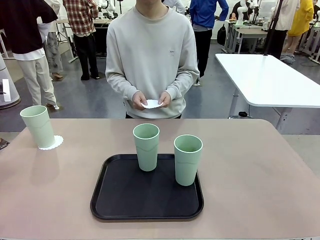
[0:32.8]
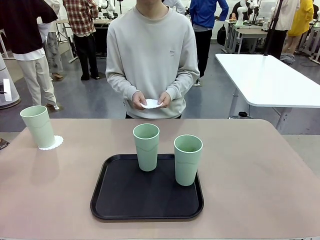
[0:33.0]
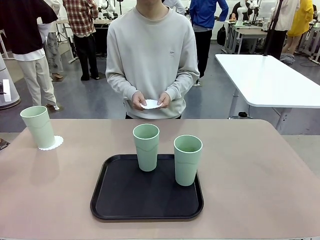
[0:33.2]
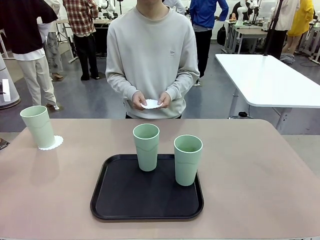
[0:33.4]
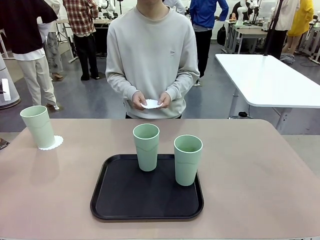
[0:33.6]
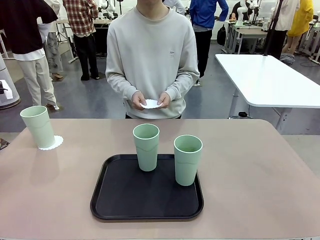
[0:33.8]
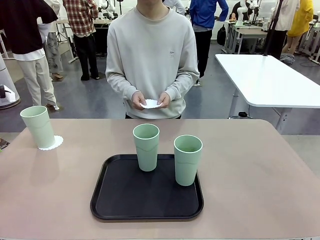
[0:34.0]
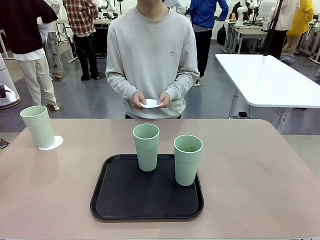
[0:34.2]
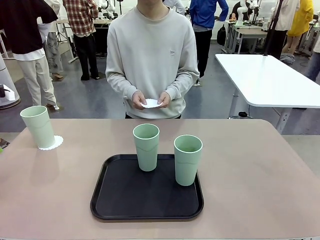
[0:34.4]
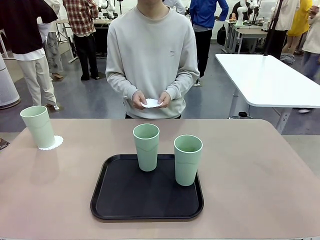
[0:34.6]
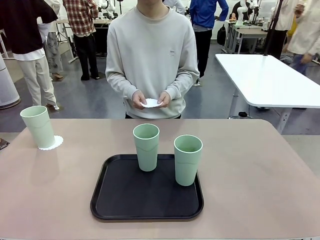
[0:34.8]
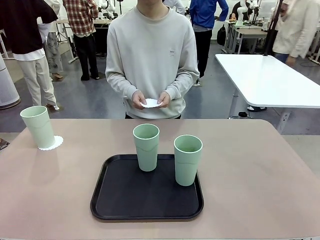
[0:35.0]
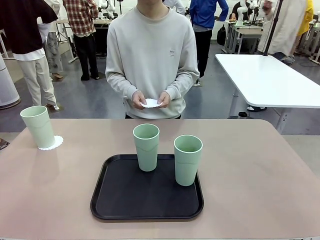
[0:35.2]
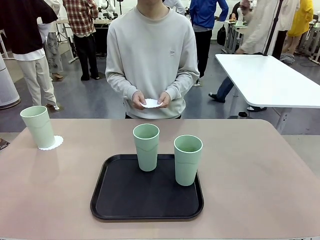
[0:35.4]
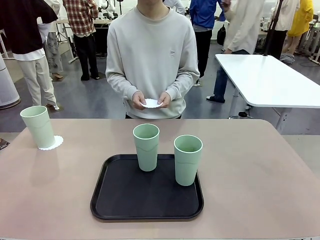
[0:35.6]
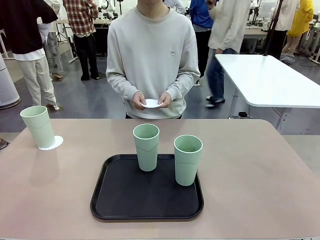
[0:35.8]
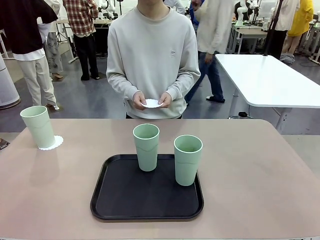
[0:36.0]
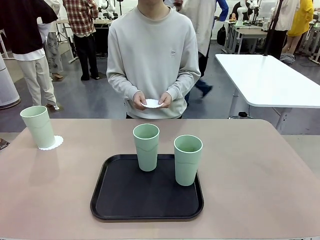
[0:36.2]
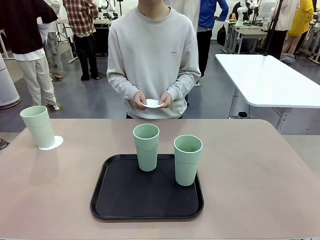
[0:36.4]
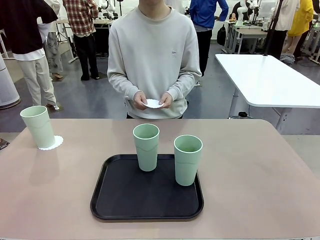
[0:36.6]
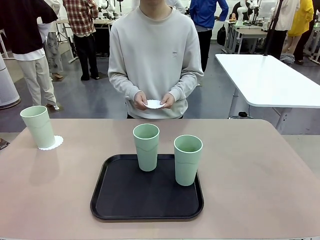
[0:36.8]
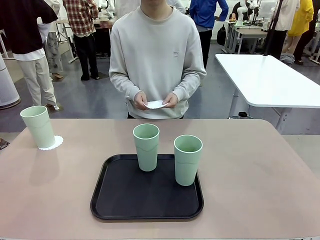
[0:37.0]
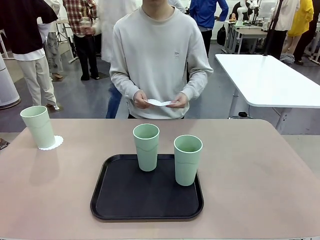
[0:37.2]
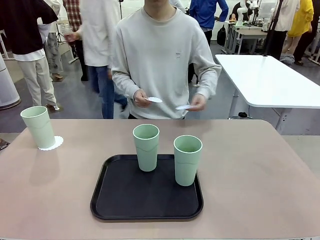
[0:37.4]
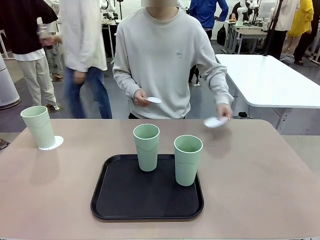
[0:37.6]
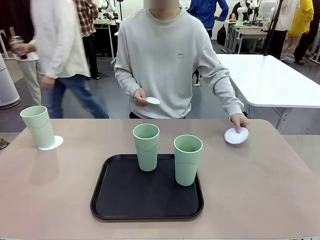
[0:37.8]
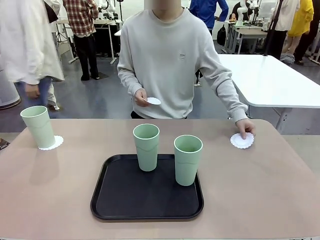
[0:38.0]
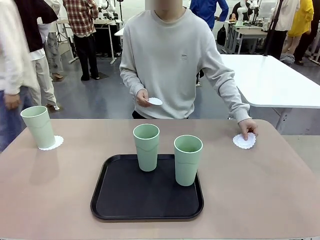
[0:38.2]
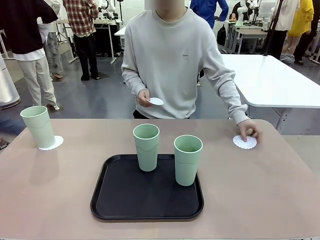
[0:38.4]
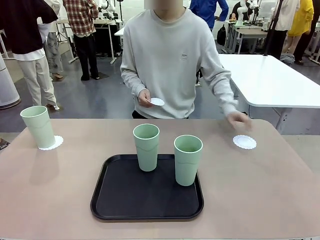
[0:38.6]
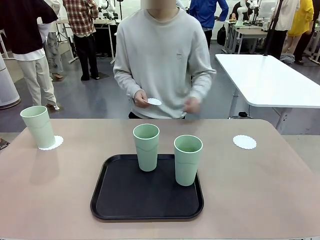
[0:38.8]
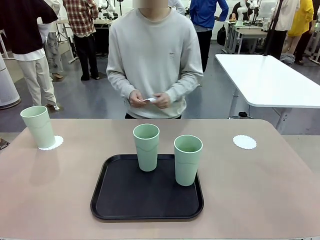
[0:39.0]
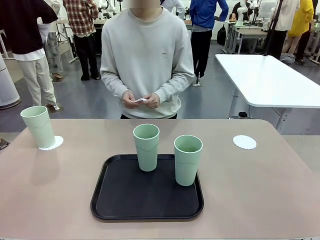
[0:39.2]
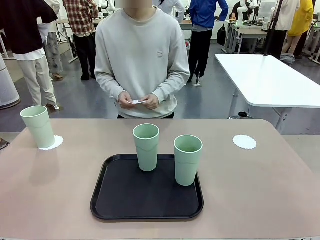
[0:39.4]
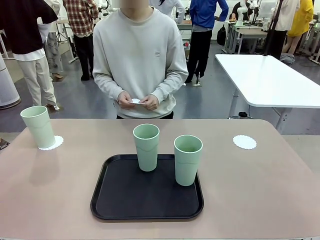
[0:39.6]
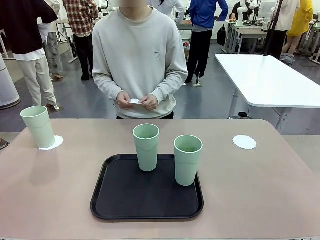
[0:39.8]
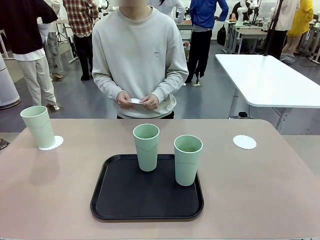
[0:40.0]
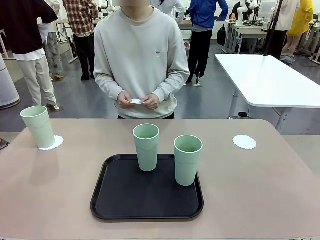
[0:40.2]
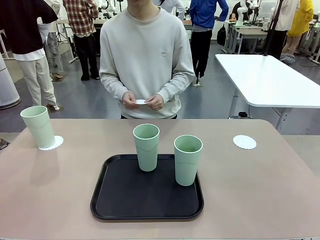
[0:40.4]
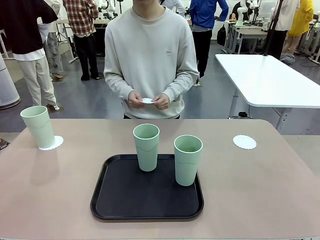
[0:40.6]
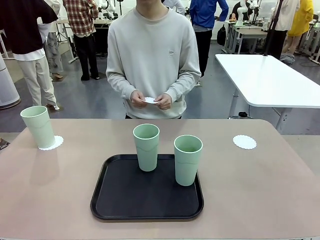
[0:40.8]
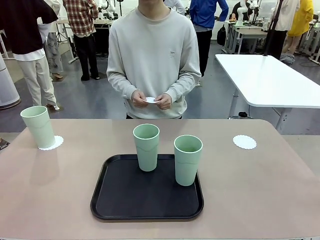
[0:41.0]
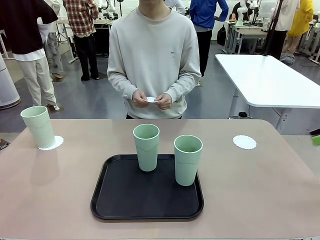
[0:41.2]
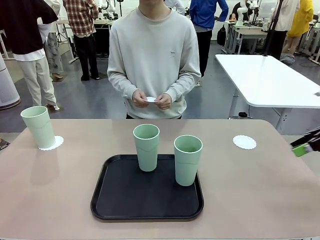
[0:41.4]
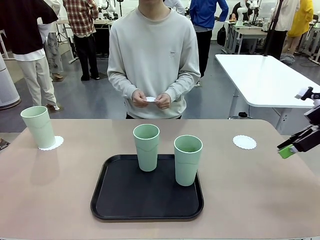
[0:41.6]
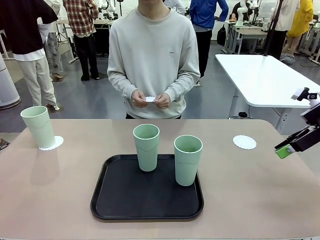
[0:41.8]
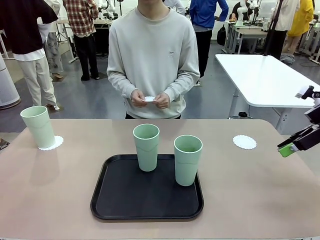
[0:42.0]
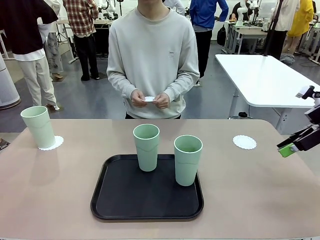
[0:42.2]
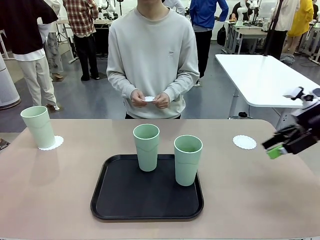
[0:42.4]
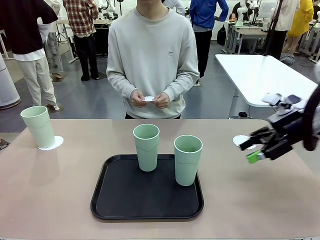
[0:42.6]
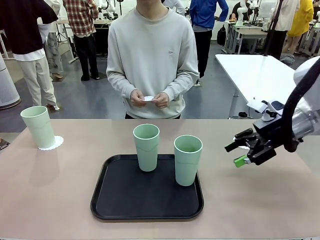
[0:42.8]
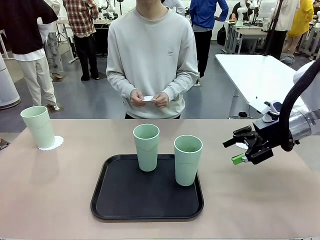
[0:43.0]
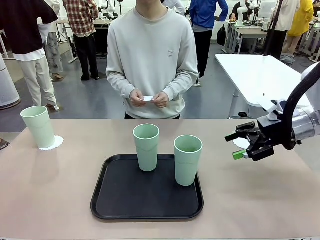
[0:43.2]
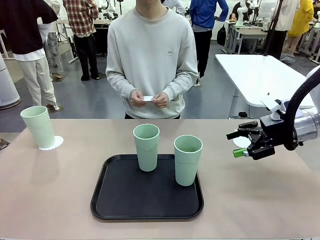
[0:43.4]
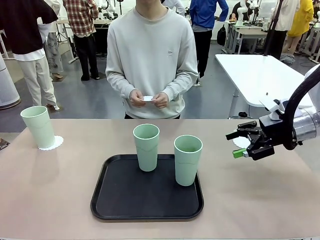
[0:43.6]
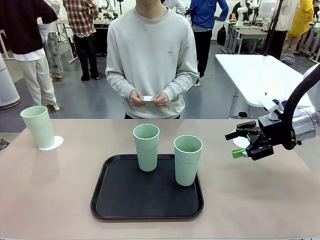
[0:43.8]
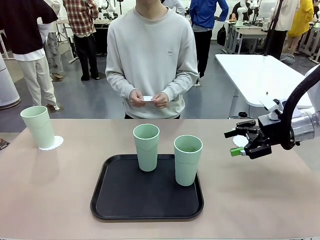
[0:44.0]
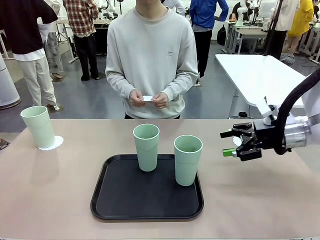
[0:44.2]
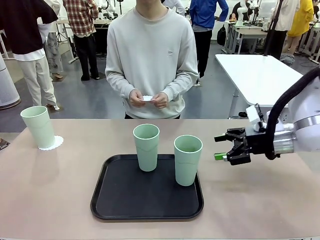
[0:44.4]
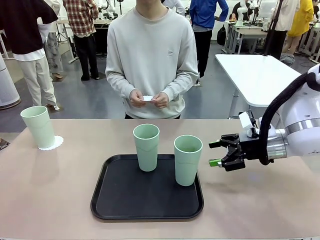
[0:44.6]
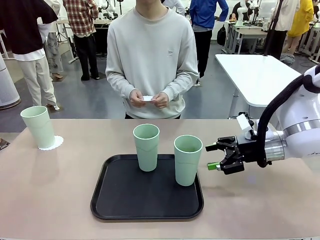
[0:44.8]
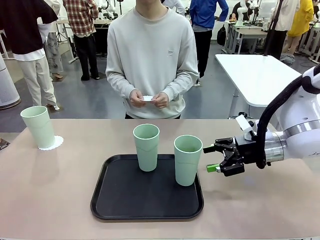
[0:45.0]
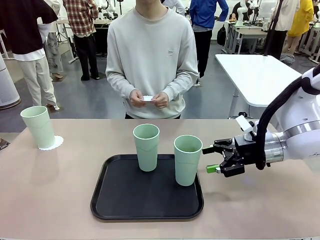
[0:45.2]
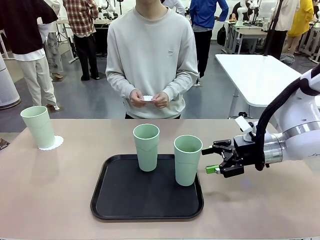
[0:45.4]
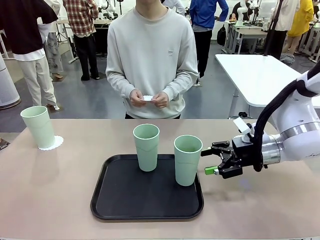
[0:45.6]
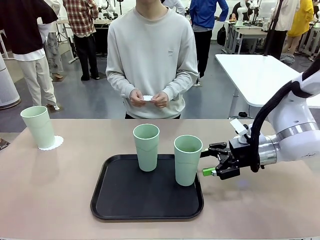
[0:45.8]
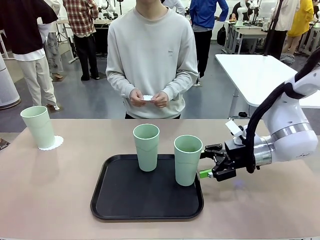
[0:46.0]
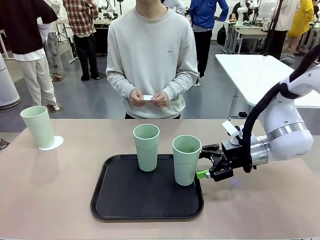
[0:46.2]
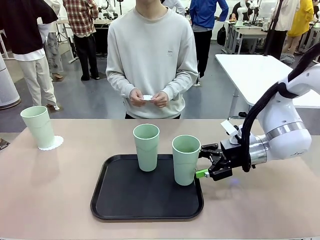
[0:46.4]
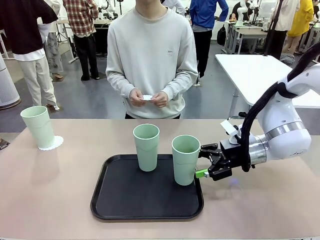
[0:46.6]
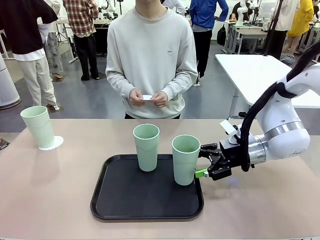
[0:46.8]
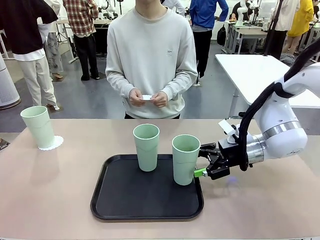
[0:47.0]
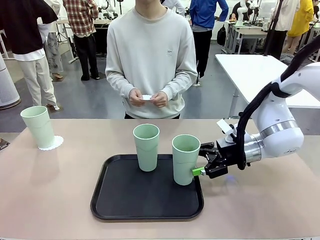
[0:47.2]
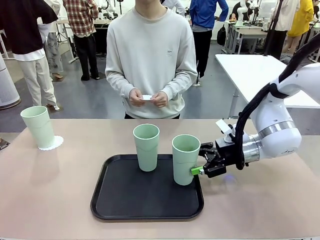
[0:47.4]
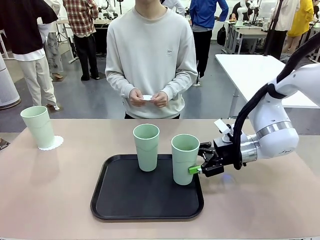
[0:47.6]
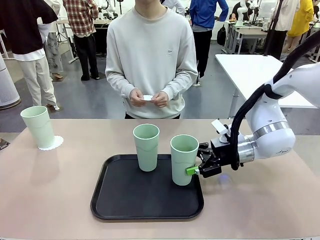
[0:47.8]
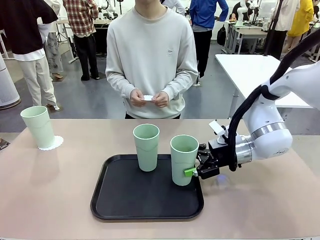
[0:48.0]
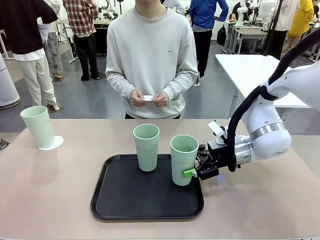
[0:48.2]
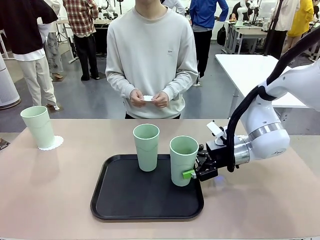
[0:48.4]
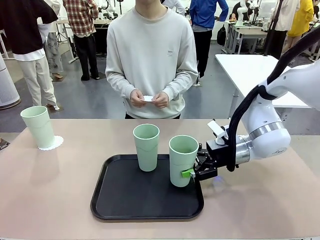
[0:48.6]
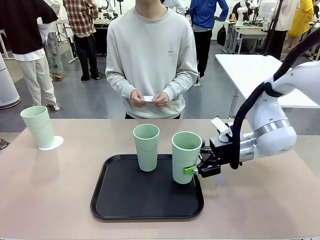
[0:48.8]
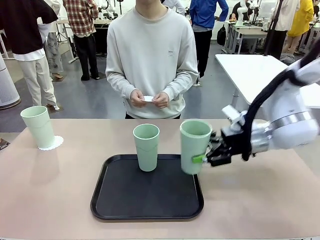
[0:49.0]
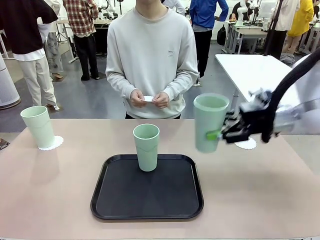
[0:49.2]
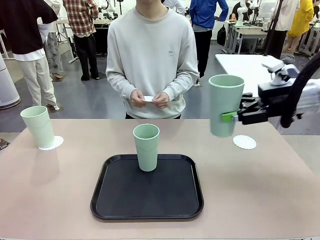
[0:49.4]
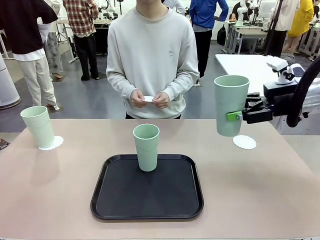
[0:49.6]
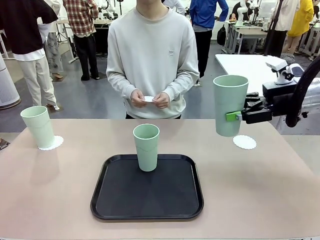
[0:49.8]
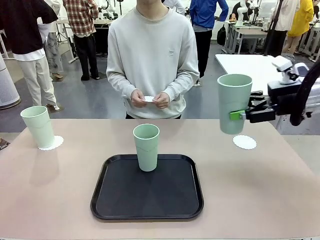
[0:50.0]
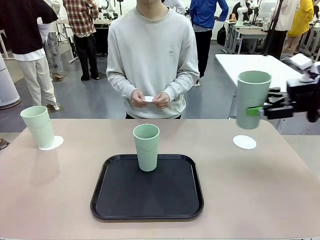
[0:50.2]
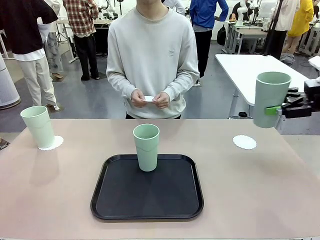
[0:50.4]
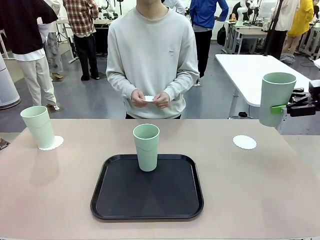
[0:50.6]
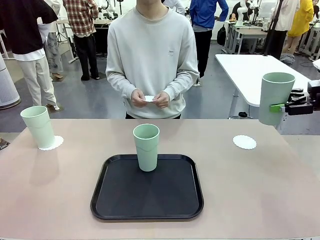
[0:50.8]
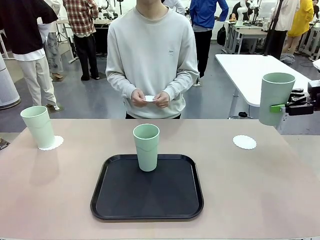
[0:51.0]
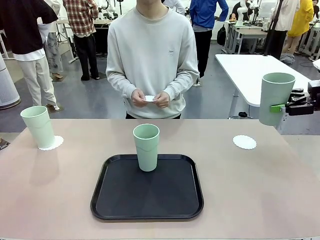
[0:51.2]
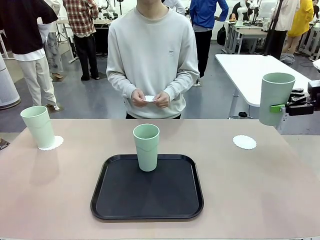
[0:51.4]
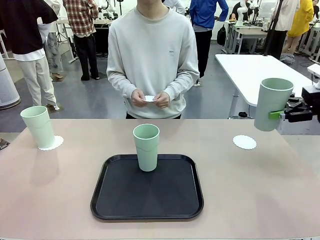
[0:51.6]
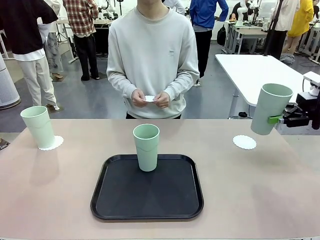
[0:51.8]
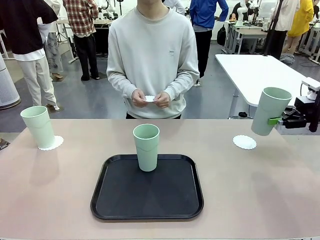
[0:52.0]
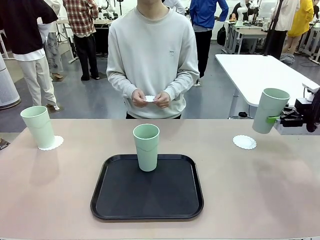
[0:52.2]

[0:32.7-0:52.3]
Task: Place coasters on the table and set cups on them.
Robot: Take one Reusable plastic cup from the Flat Tray and place it on a coaster set by the human.
